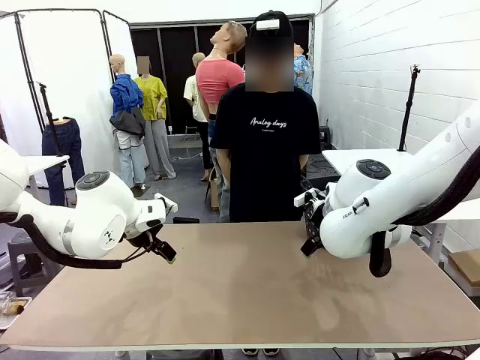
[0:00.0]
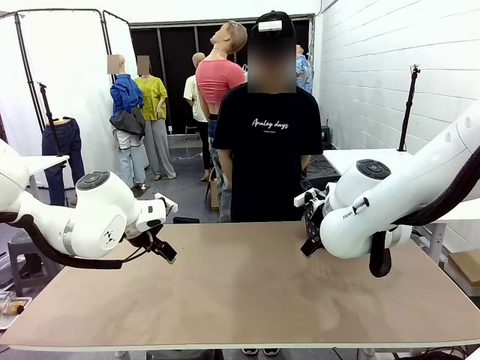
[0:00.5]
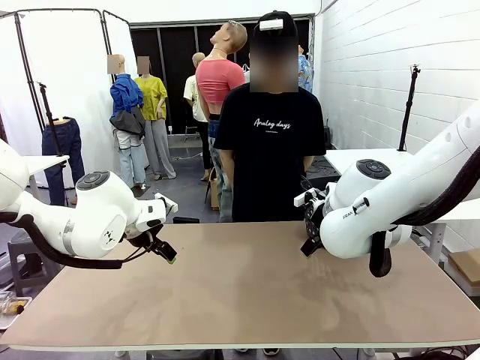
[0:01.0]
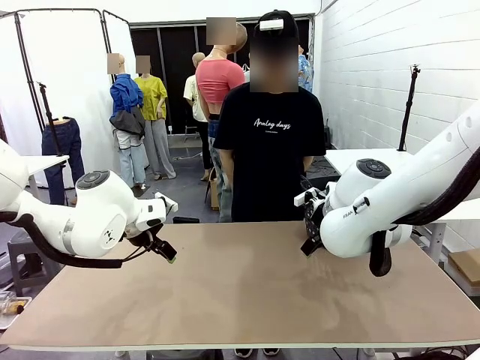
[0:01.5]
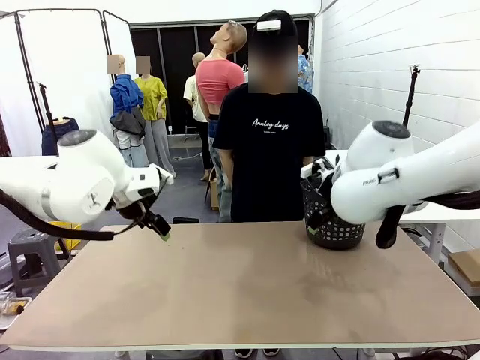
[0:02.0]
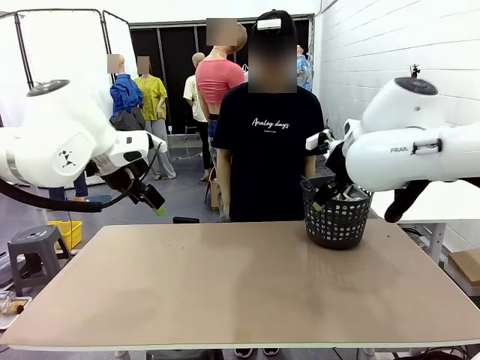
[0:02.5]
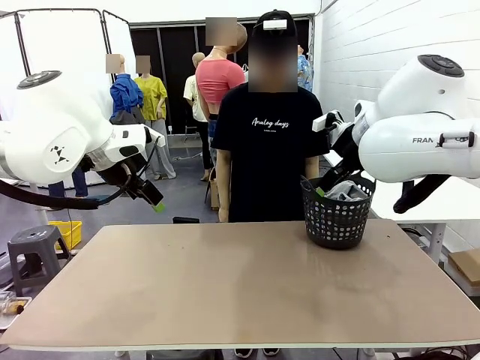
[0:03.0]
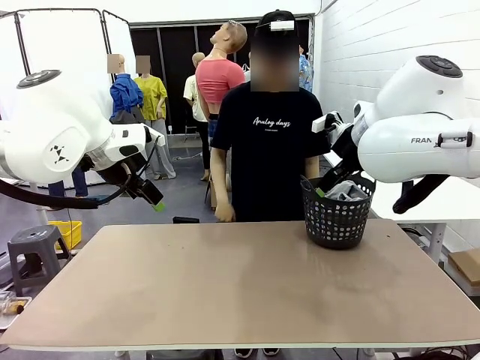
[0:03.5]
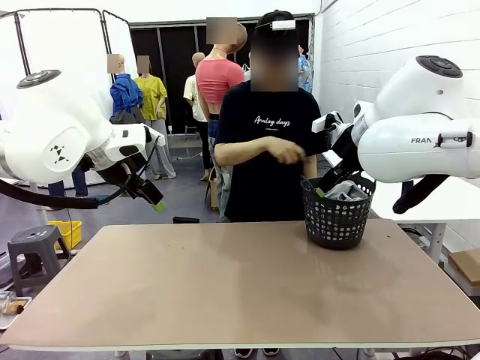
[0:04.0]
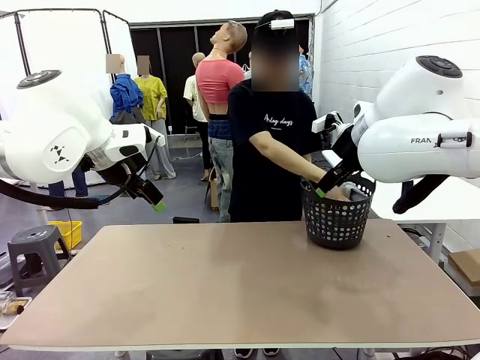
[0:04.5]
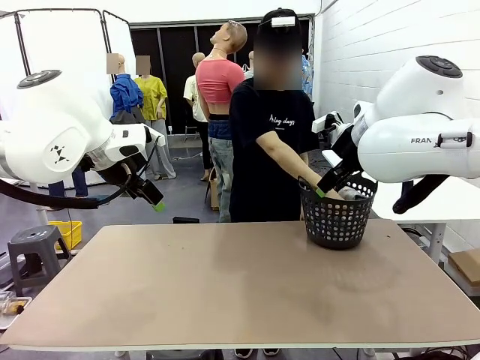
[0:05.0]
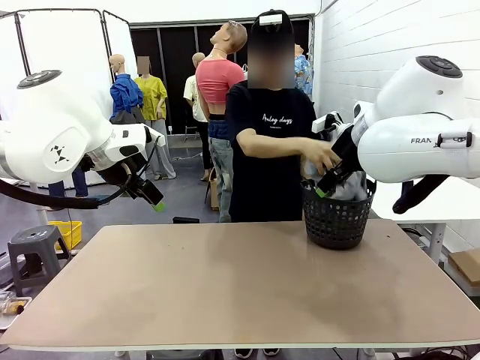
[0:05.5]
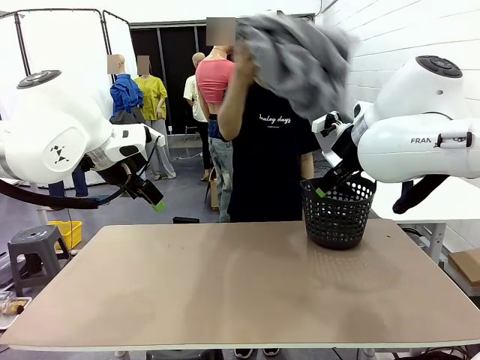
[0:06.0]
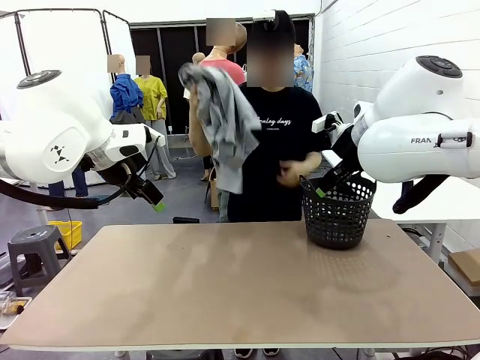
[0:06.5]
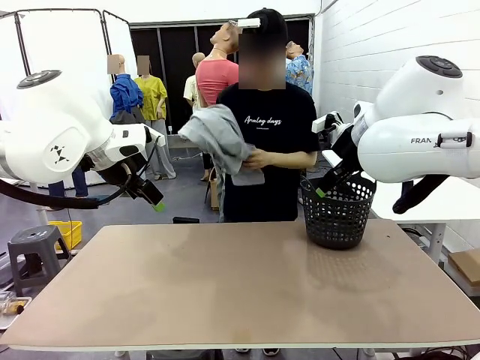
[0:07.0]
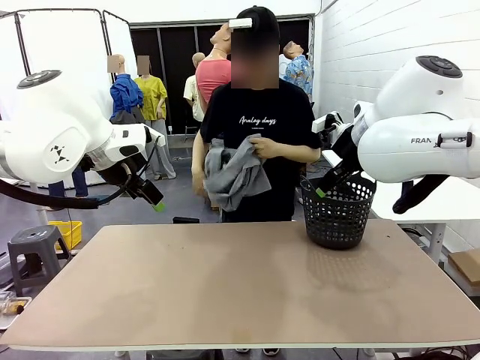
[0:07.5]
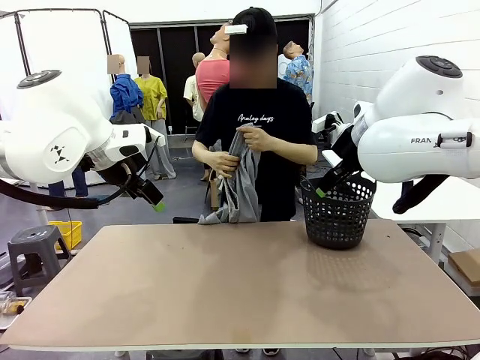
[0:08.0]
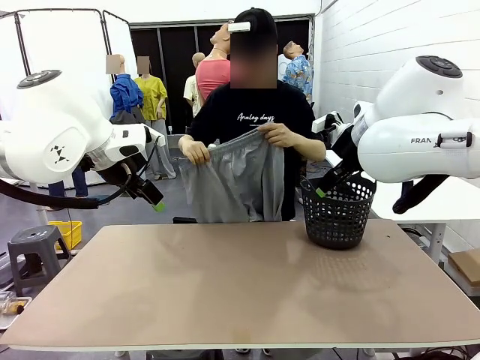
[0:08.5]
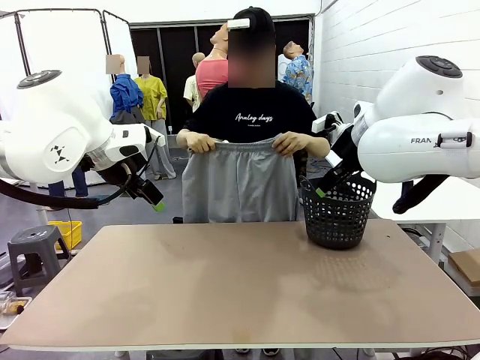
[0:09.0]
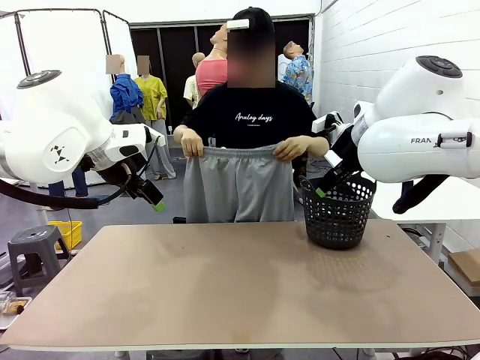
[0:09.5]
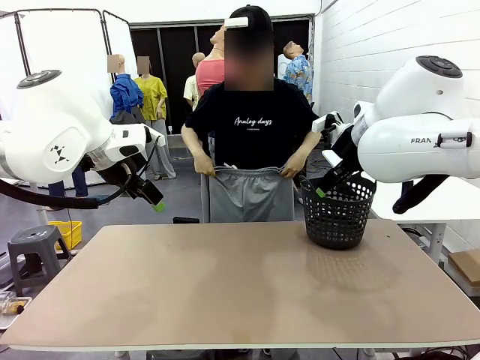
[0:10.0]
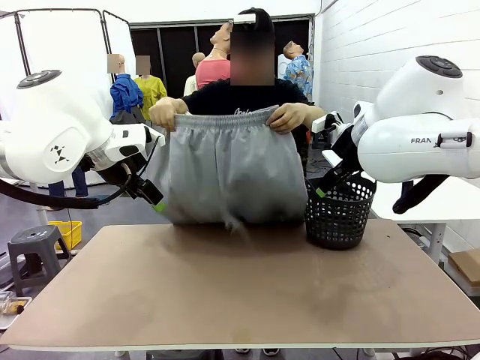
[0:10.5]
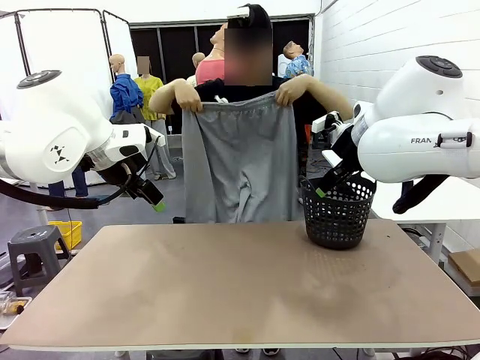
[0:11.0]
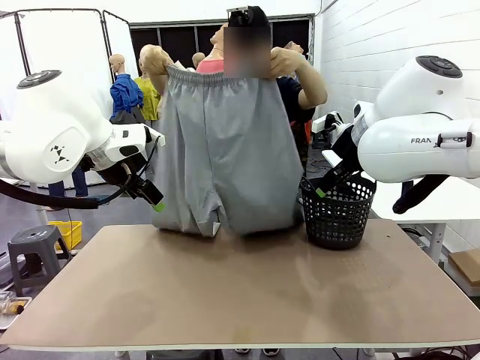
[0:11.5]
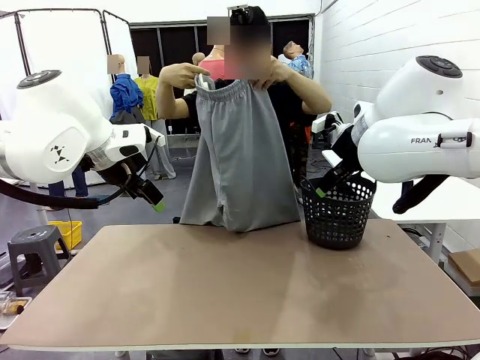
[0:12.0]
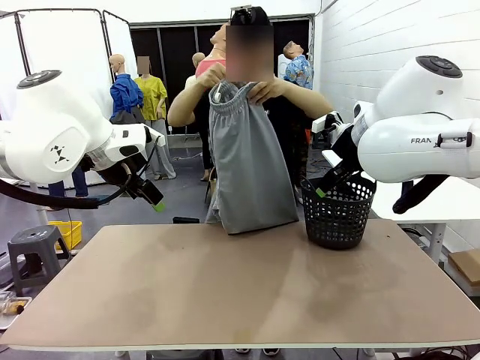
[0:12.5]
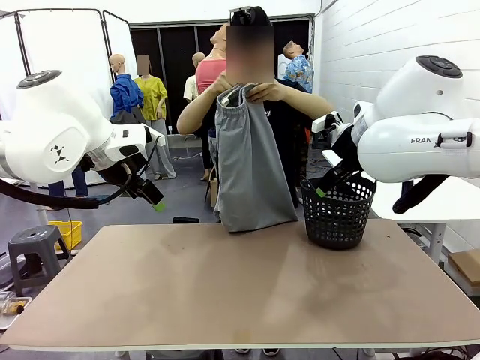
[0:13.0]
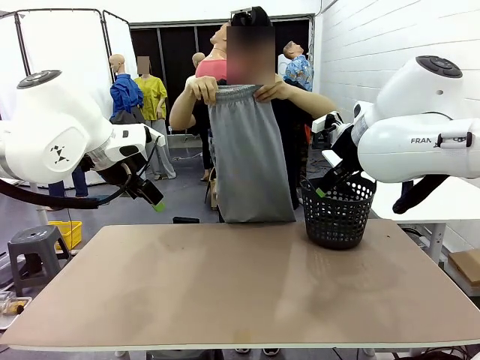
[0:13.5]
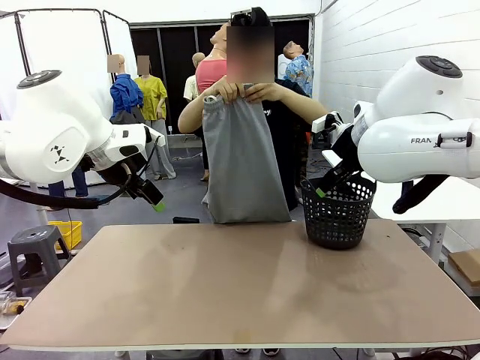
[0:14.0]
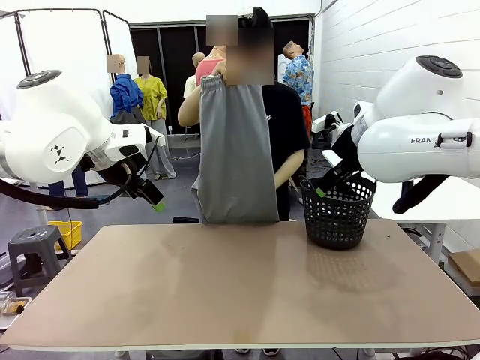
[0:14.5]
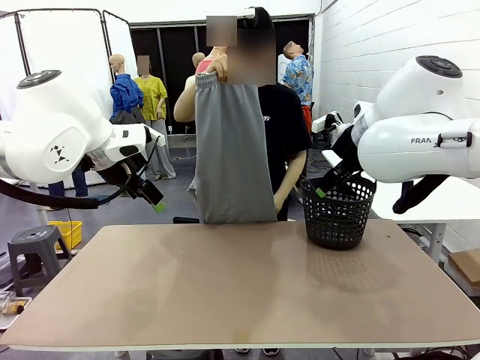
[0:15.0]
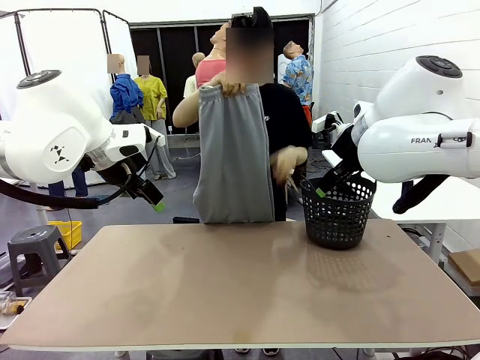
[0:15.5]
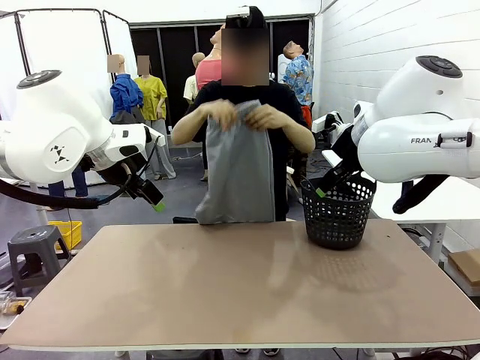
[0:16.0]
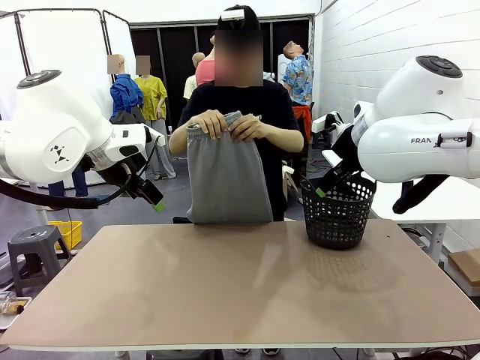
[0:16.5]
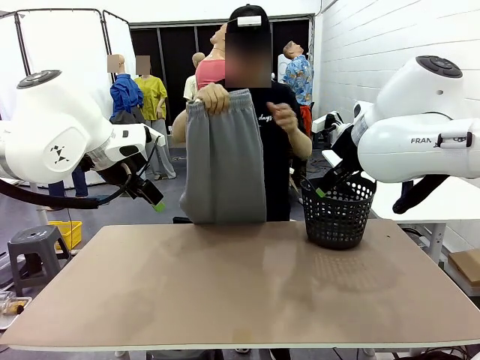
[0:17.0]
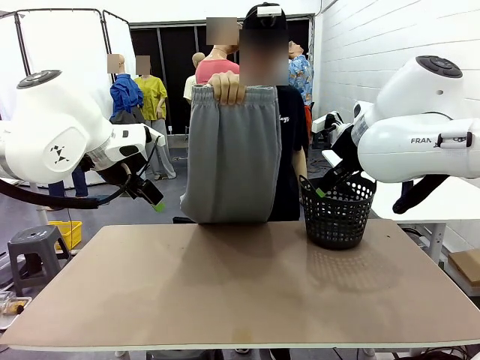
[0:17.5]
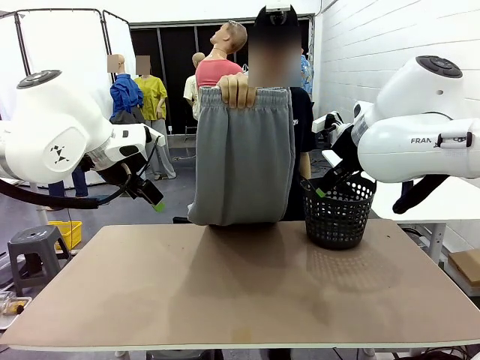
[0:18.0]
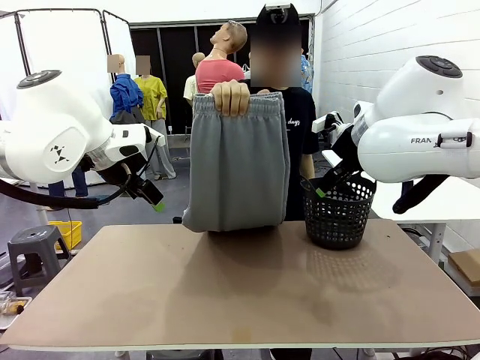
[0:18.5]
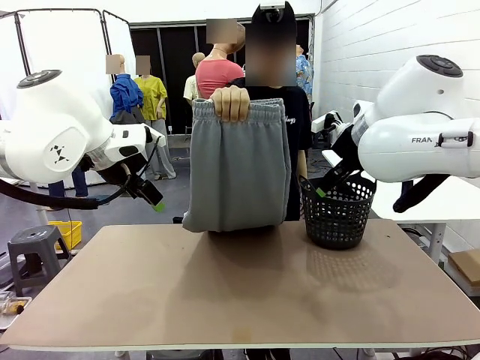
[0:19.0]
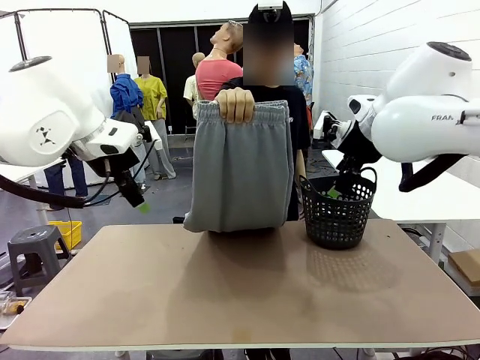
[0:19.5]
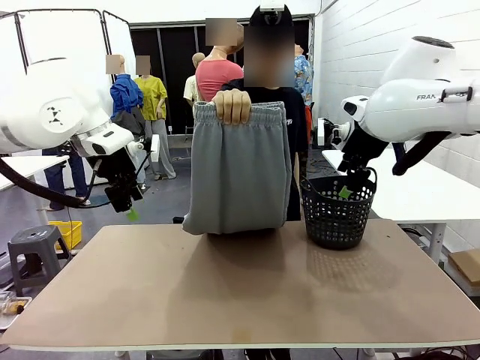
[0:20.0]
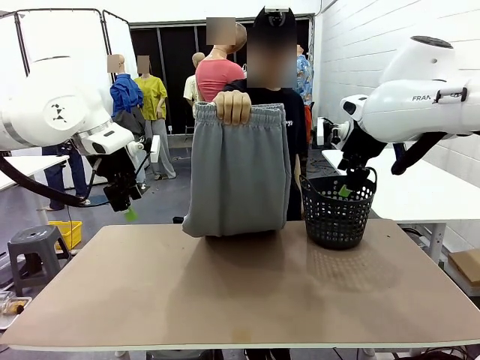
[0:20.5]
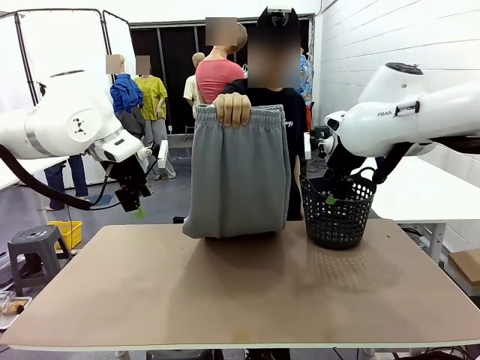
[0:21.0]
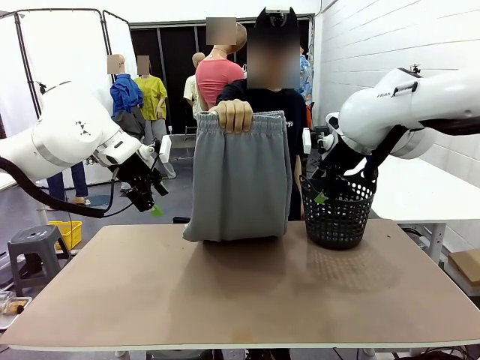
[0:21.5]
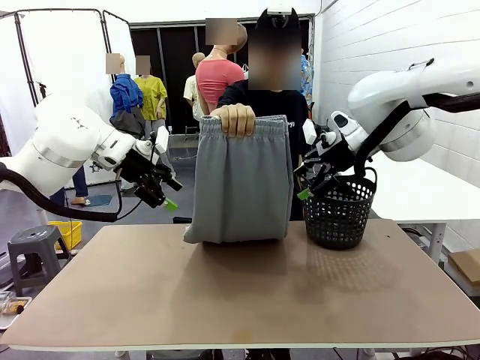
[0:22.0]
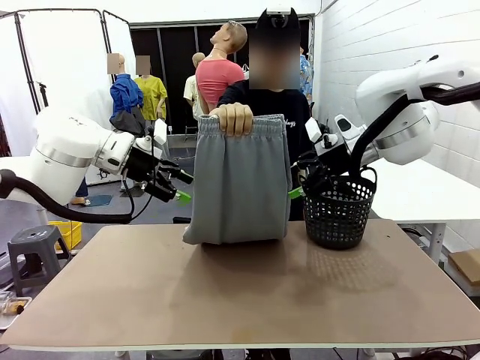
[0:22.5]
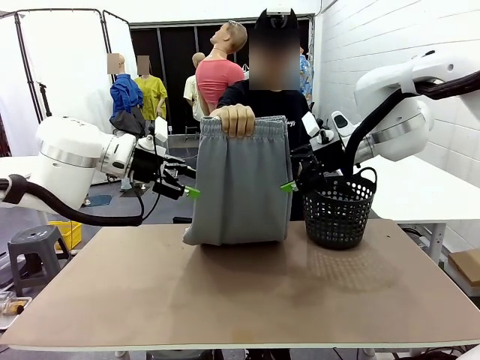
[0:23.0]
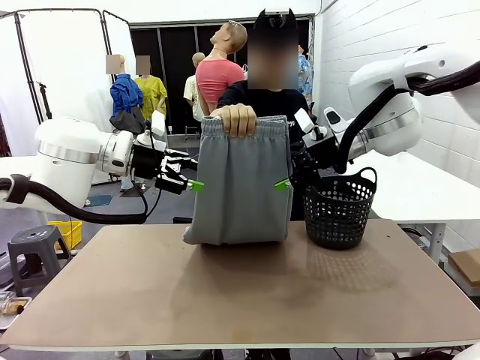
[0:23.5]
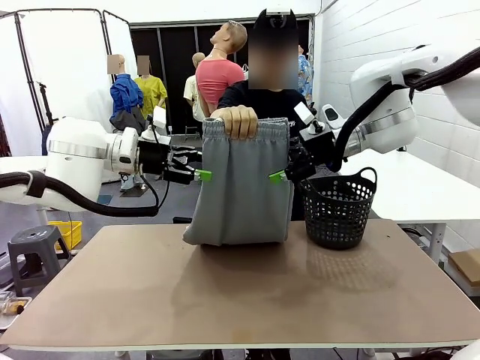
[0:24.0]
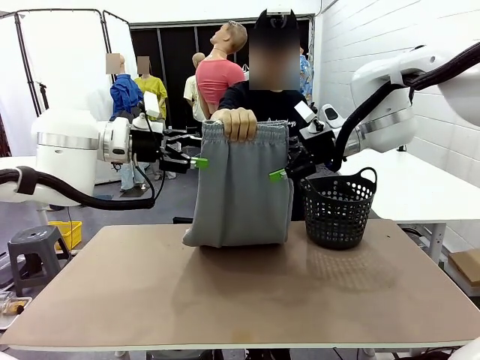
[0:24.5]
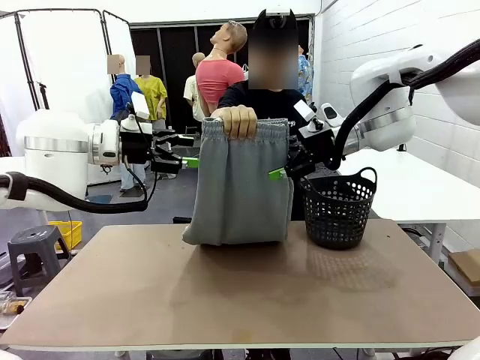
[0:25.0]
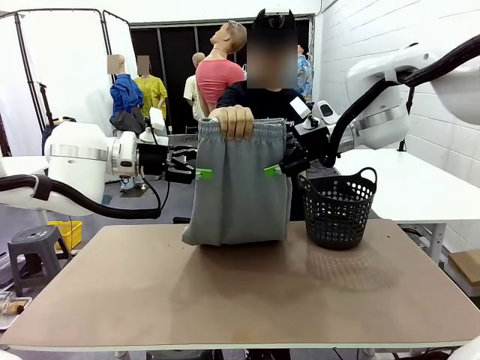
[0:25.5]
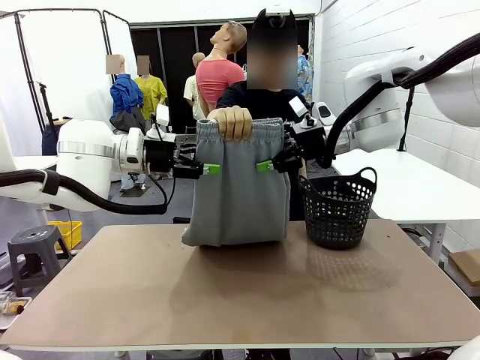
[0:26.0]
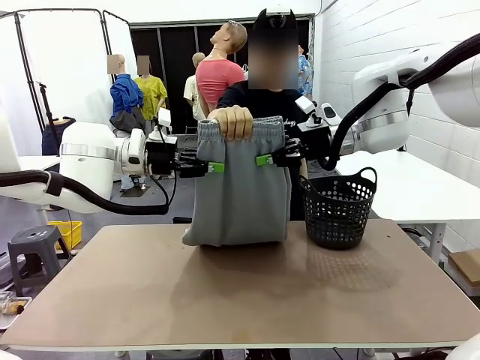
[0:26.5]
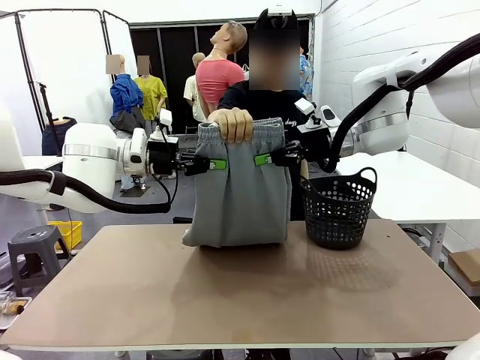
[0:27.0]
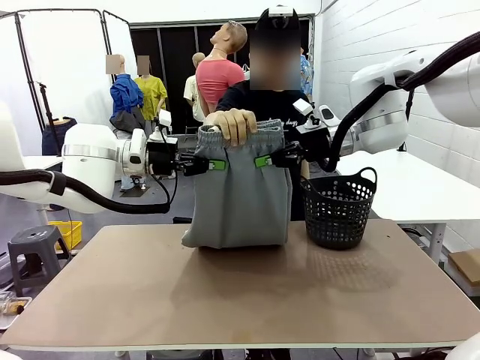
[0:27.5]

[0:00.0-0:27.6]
Task: Fold the training pants.
Robot: Grab both ends of the Training pants handed by a person.
Person: Take the long pants out of the laundry basket, unfold them, fold the waist in half, and extend them so the robot can pick up both corners.
